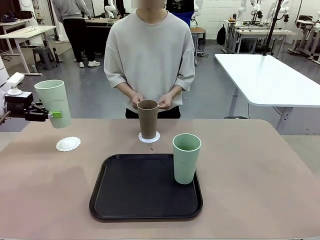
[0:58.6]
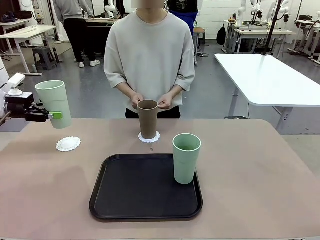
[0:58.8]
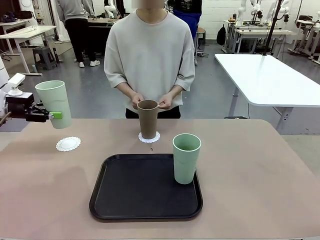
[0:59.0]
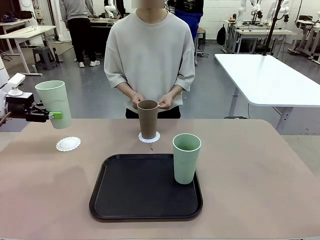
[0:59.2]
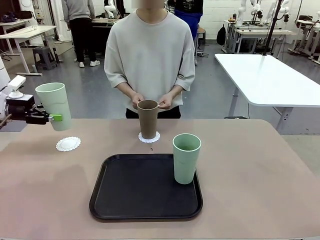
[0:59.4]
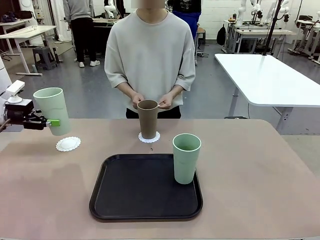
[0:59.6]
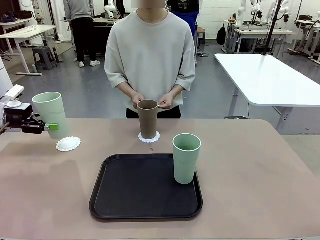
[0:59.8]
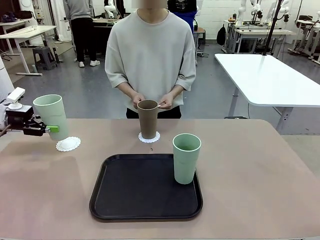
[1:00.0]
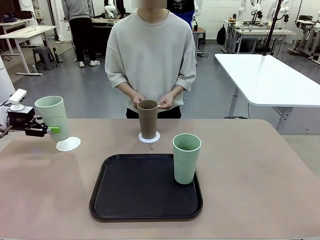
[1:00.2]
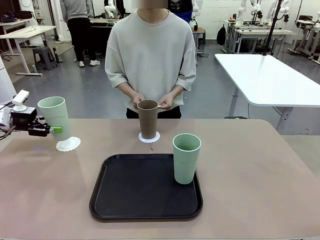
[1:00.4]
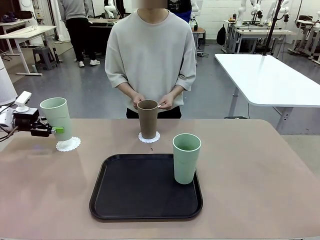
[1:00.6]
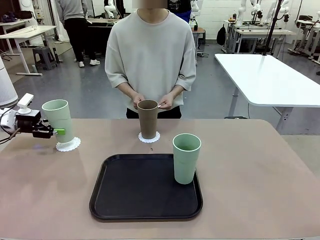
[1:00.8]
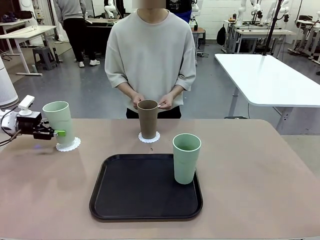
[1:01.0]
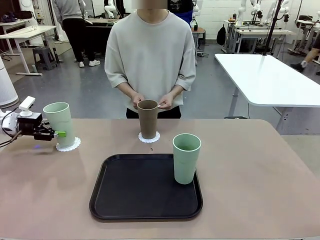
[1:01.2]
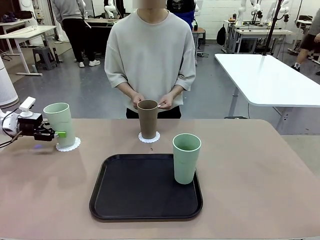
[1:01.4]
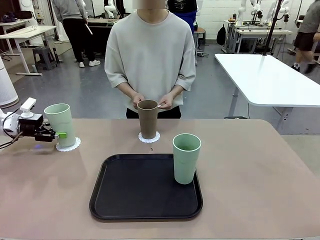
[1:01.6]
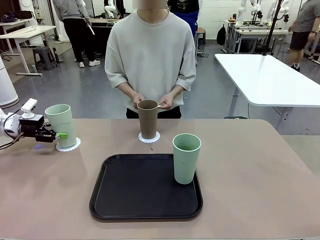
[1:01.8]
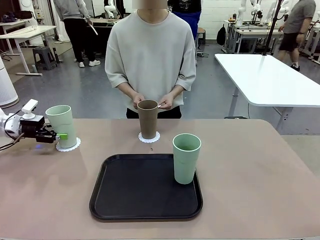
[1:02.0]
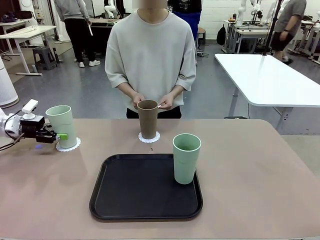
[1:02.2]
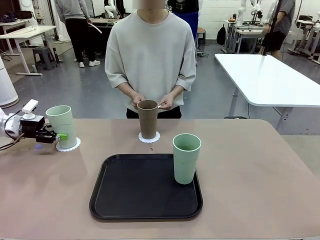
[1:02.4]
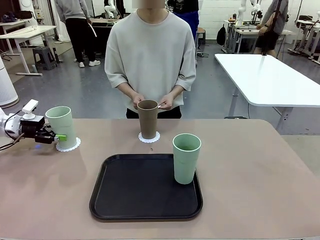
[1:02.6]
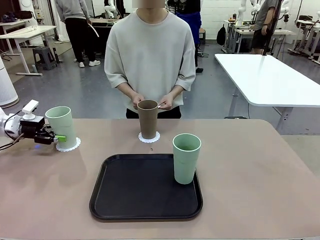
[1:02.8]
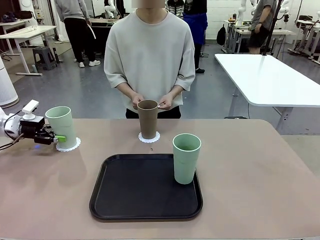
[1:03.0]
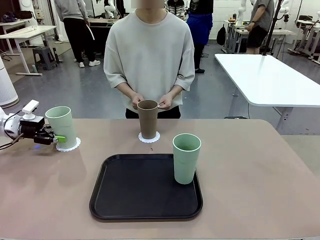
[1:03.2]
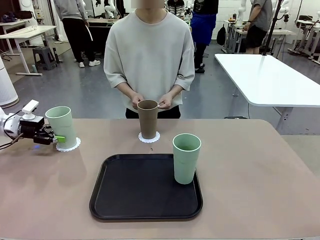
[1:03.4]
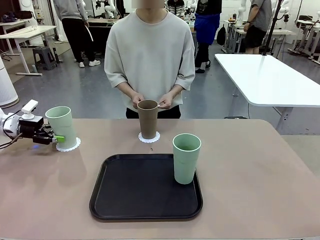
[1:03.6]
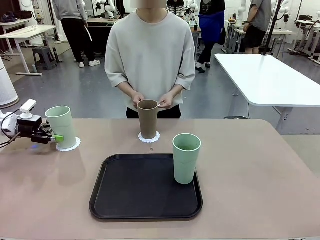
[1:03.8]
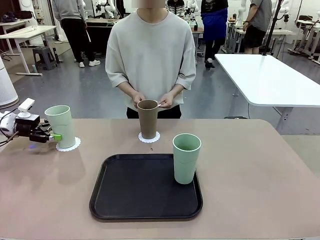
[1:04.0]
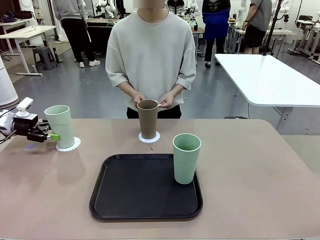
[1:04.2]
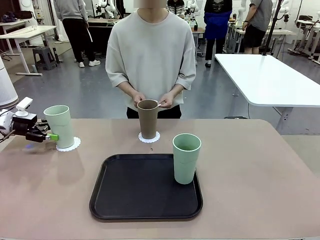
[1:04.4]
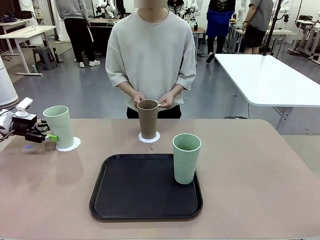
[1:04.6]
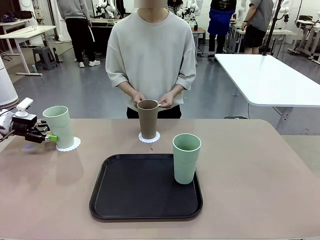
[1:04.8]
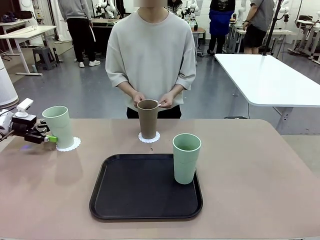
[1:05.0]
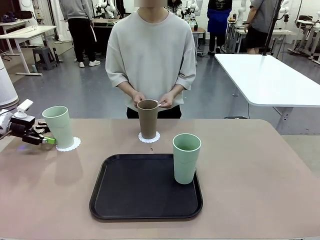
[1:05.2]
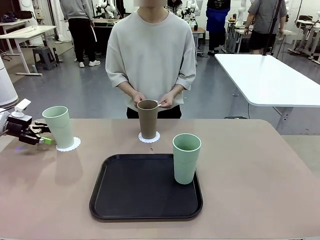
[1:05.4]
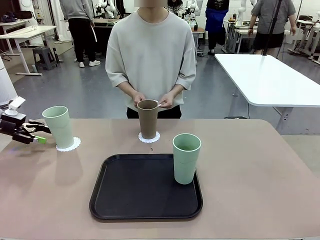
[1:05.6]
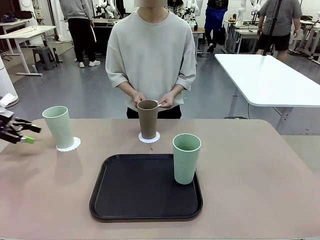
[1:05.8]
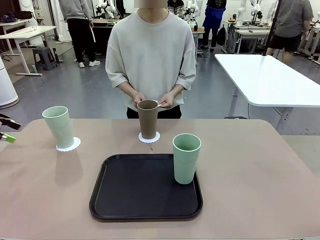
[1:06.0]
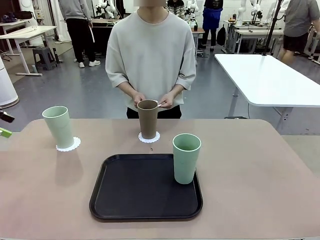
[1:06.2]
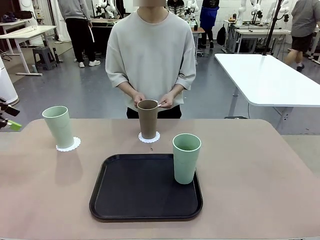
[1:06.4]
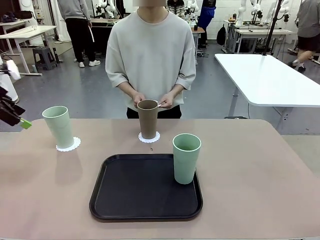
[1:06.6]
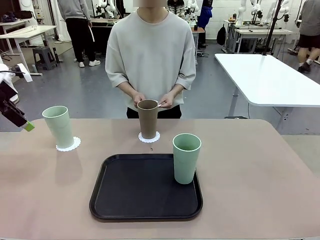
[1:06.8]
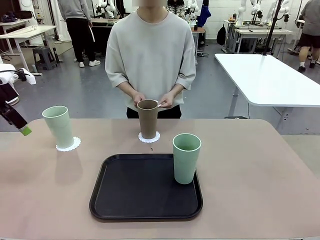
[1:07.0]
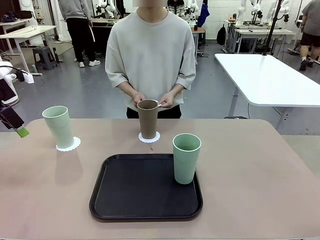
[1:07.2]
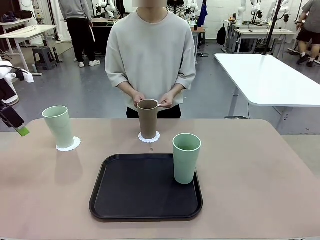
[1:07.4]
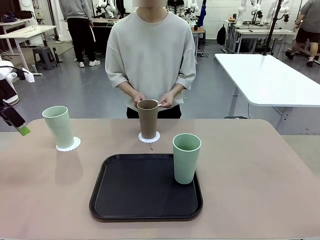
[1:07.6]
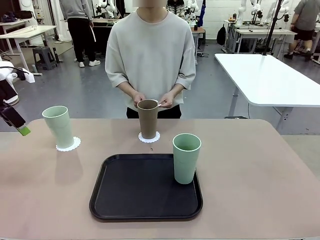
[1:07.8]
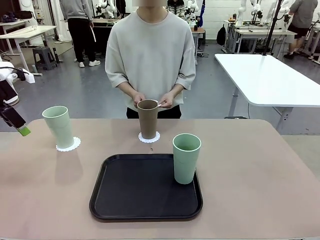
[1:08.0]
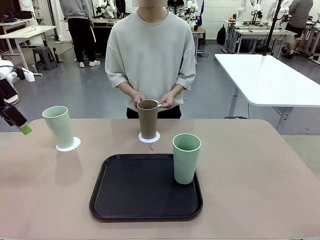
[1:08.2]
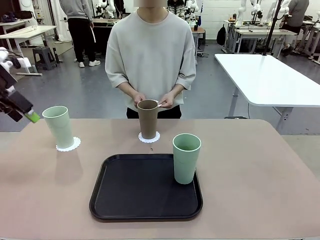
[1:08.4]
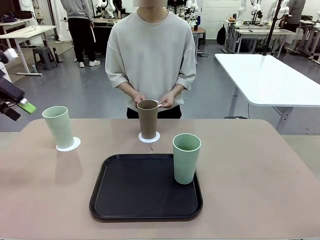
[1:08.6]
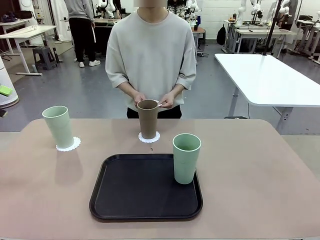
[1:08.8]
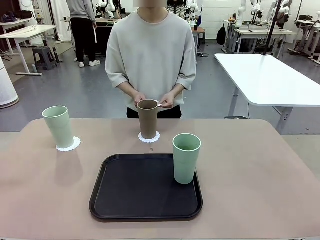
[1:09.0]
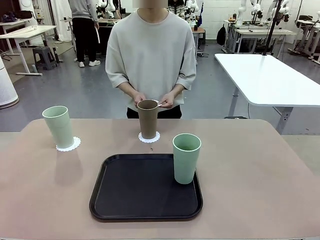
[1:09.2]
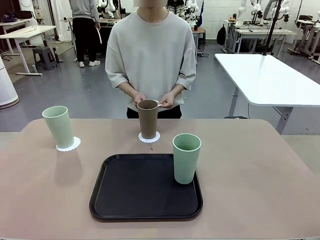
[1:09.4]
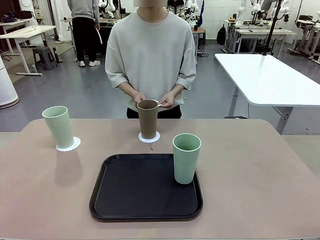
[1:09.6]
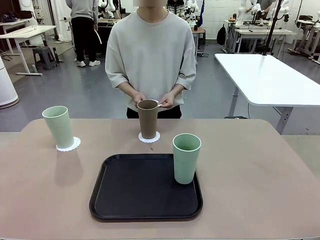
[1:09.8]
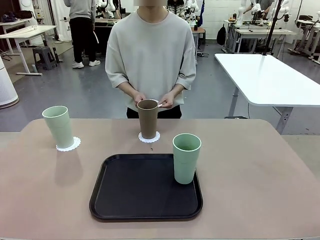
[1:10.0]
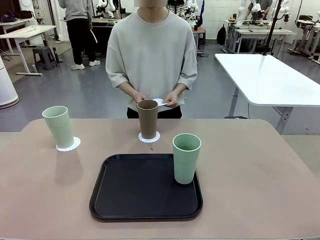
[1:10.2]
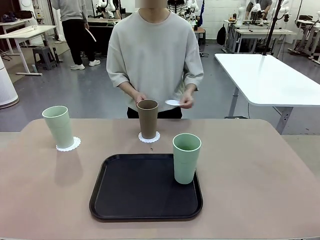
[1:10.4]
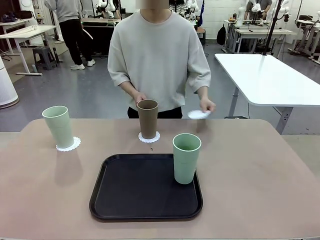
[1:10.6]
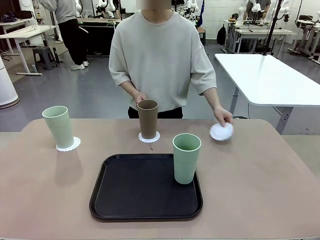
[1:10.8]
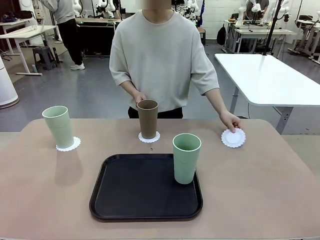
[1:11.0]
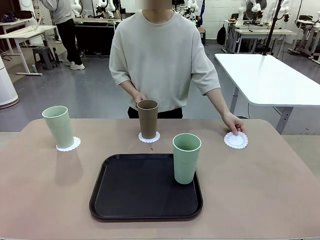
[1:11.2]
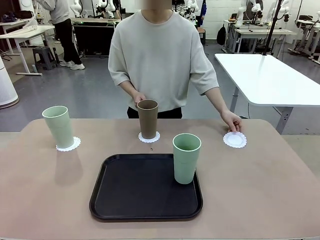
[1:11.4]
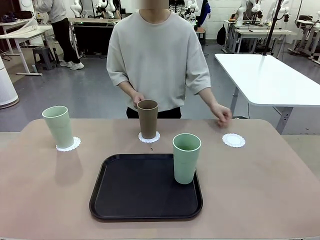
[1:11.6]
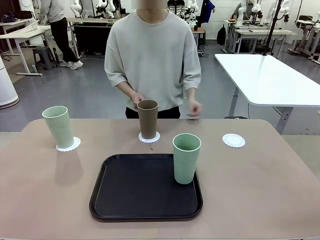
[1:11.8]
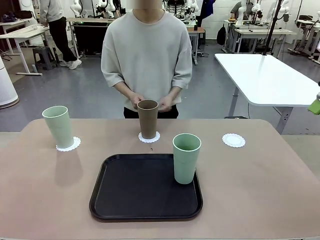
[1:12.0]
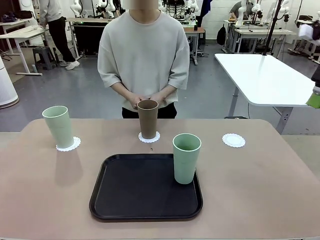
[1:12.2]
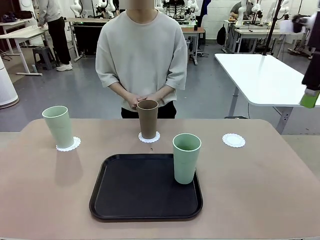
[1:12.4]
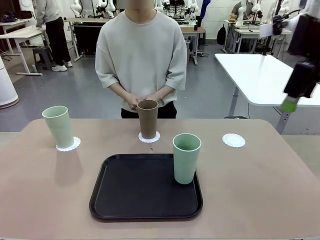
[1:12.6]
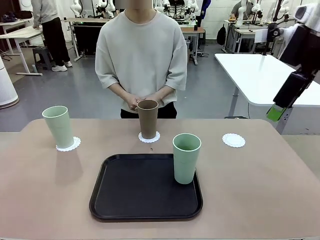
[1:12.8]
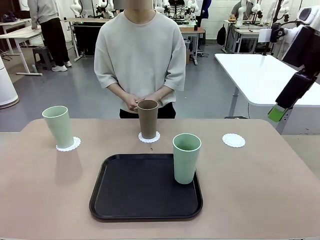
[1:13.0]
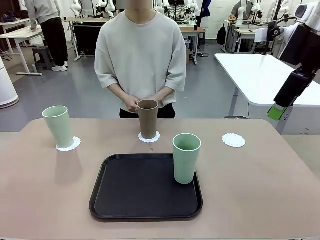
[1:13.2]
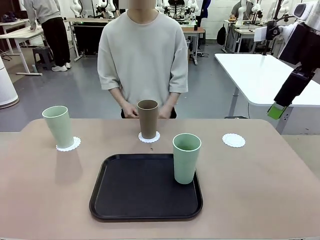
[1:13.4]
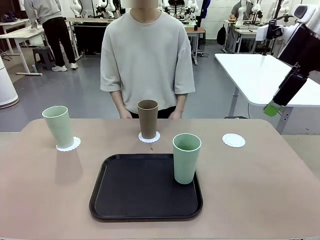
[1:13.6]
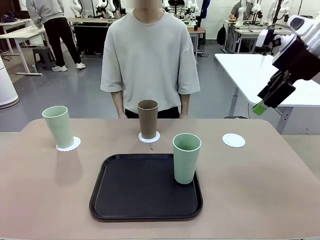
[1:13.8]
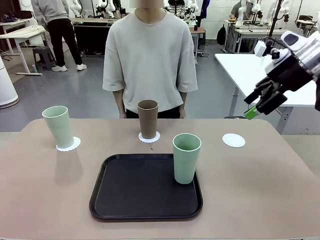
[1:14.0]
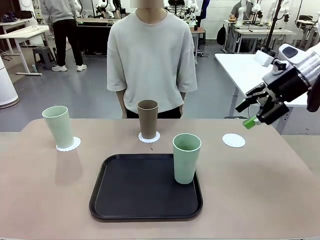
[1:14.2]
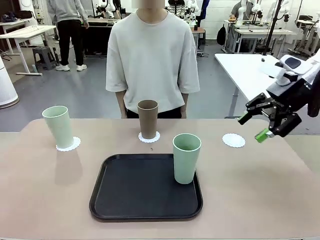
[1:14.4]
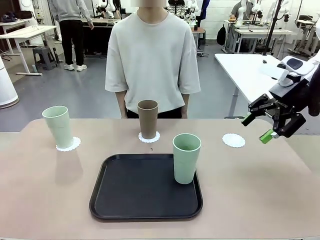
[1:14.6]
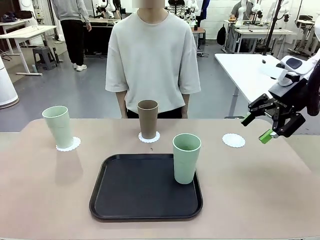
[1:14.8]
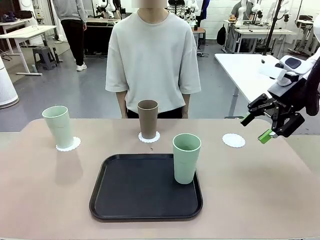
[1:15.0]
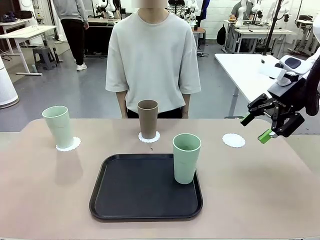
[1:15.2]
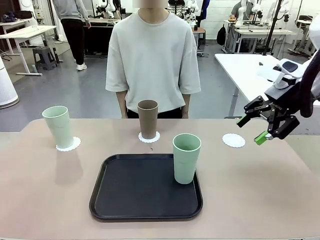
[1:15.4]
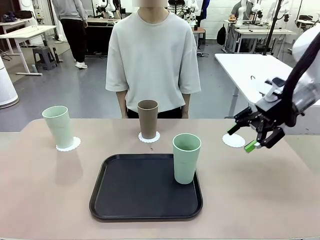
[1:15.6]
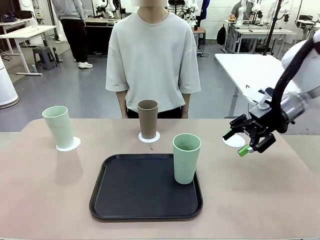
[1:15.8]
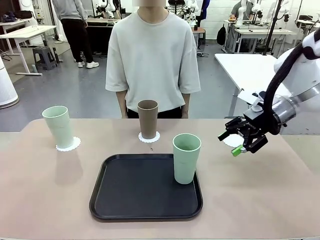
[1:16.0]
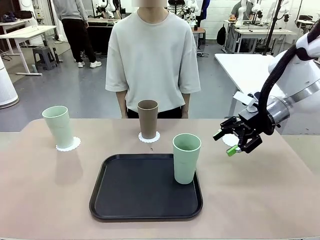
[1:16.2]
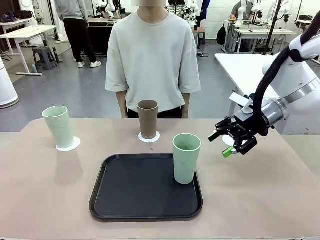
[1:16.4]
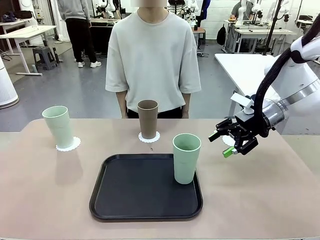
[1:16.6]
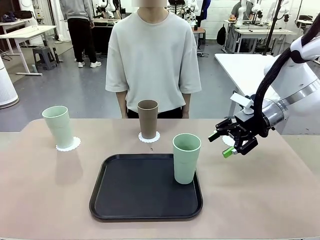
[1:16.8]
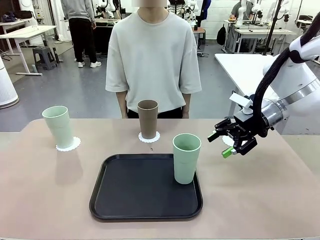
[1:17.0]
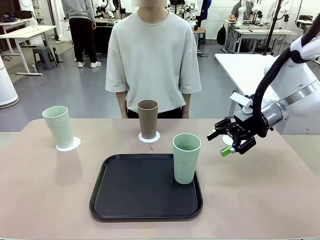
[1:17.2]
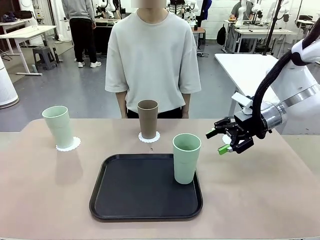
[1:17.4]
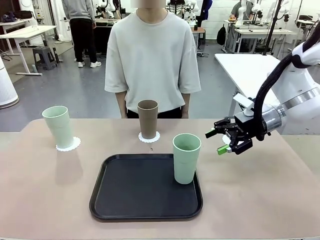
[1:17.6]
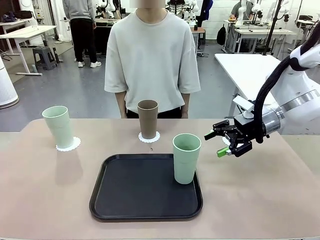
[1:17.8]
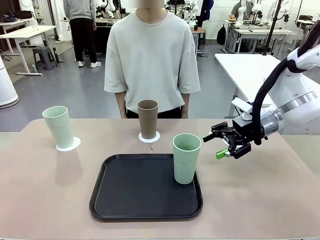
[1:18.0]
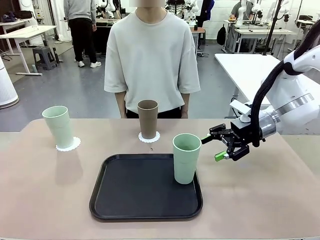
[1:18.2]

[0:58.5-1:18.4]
Task: Place coasters on the table and set cups on them.
Robot: Take one Reusable plastic cup from the Flat Tray and place it on a coaster set by the human.
